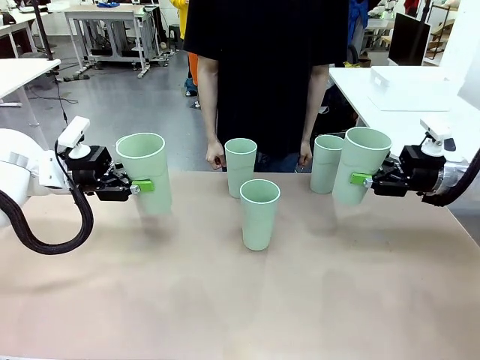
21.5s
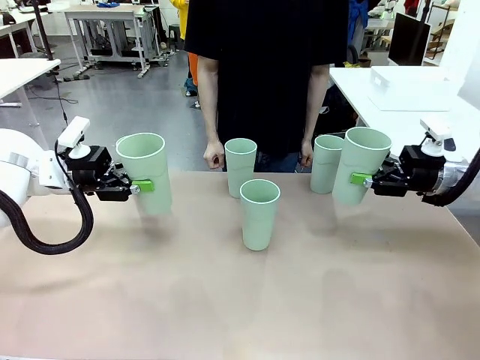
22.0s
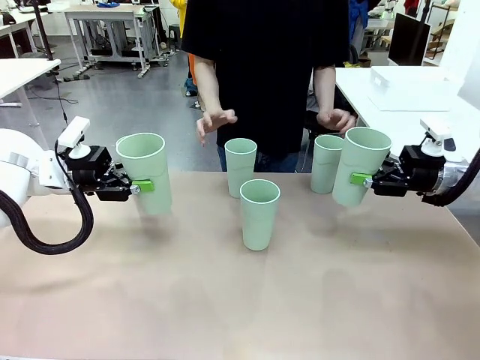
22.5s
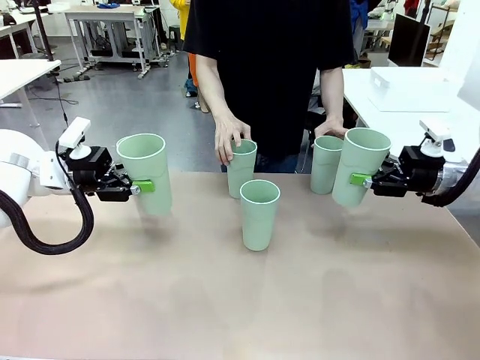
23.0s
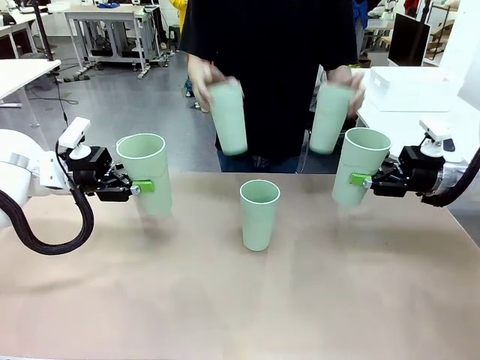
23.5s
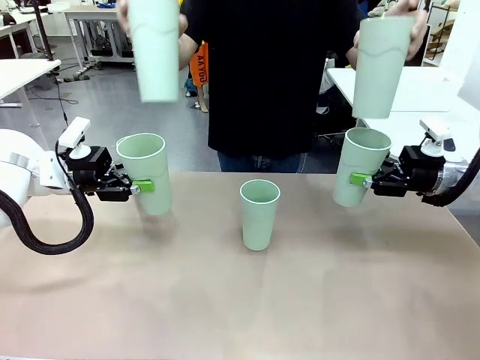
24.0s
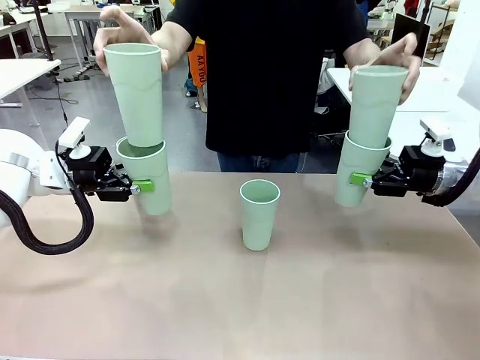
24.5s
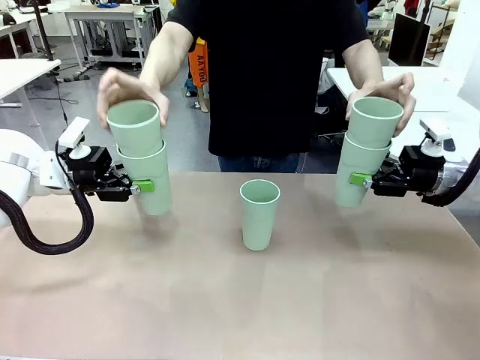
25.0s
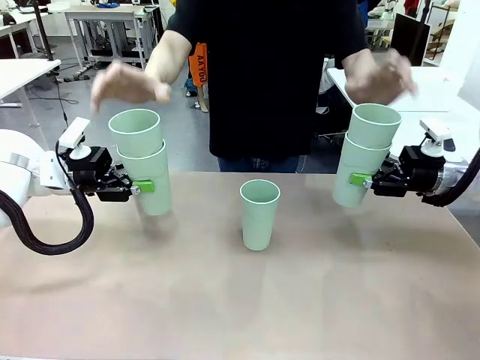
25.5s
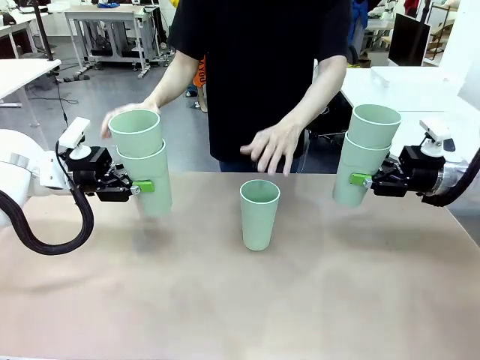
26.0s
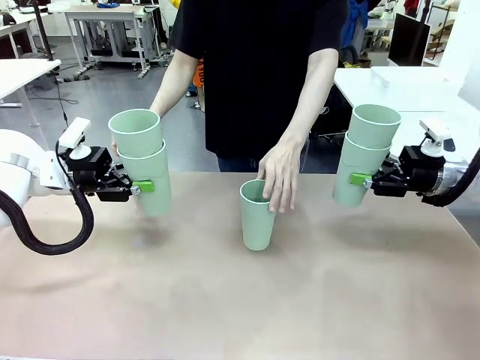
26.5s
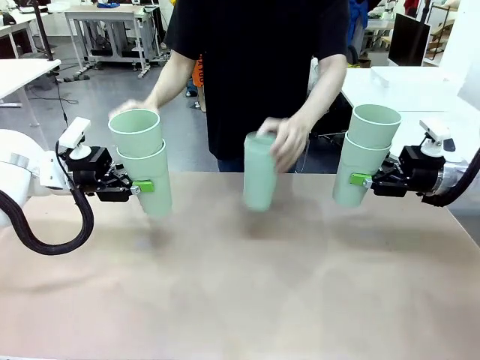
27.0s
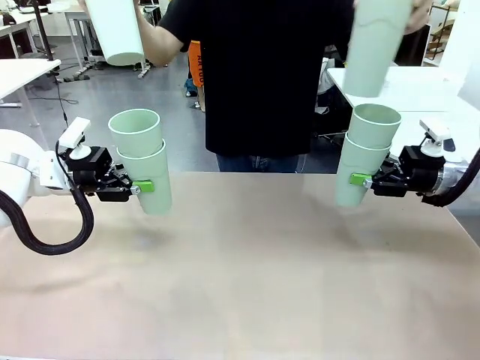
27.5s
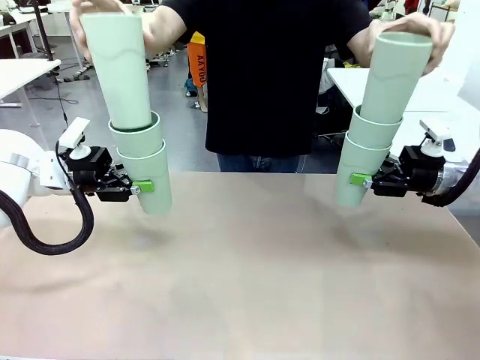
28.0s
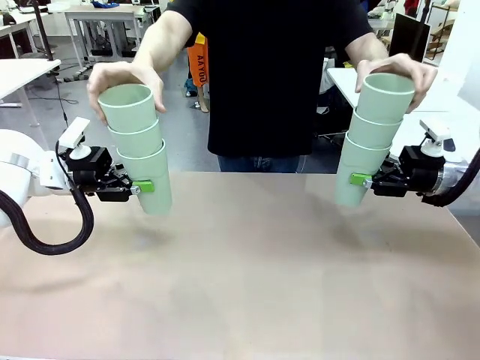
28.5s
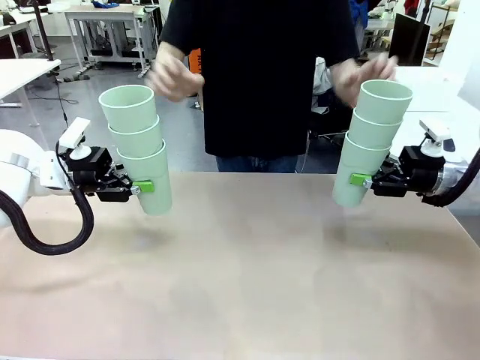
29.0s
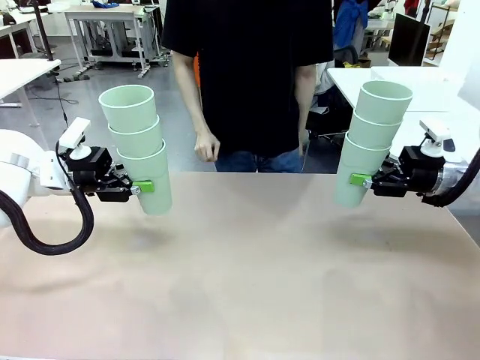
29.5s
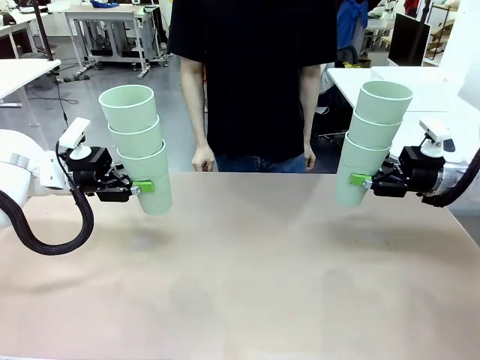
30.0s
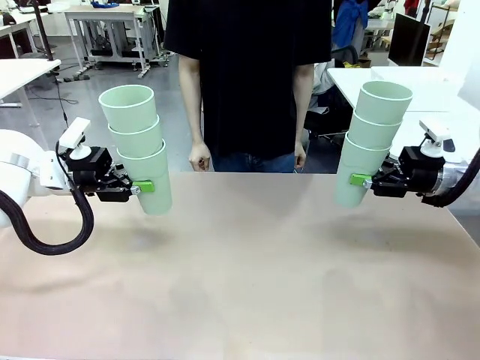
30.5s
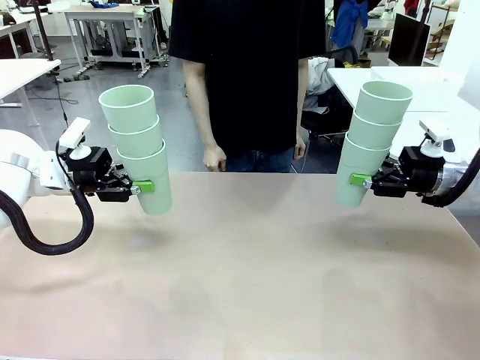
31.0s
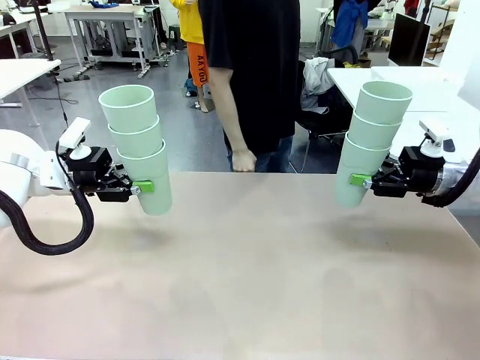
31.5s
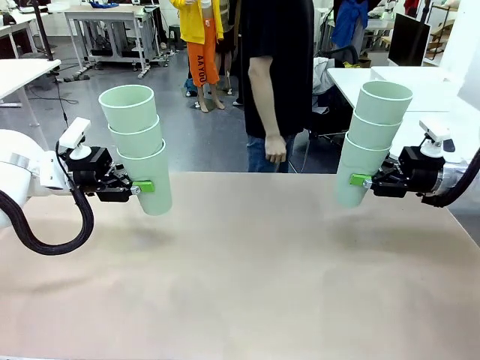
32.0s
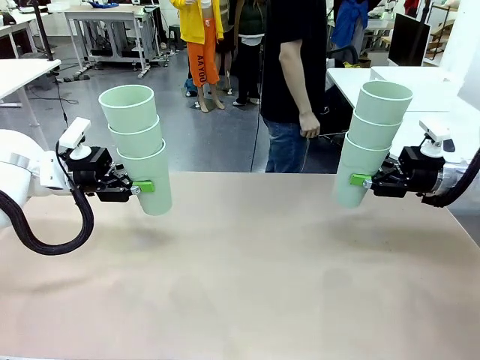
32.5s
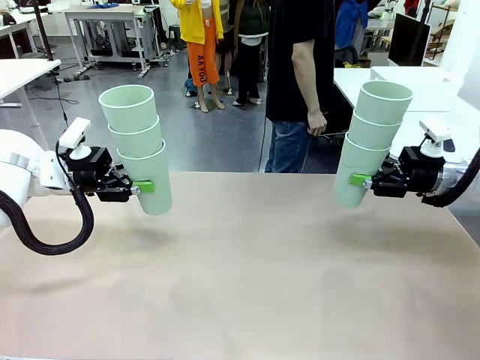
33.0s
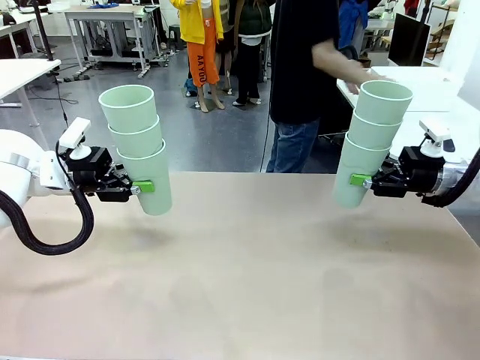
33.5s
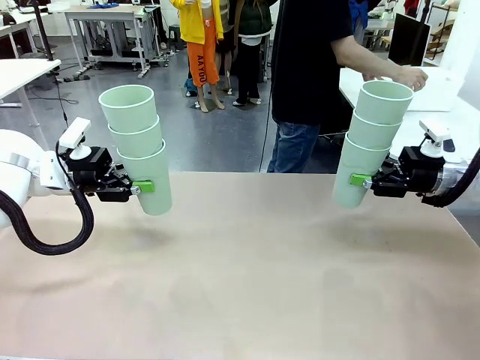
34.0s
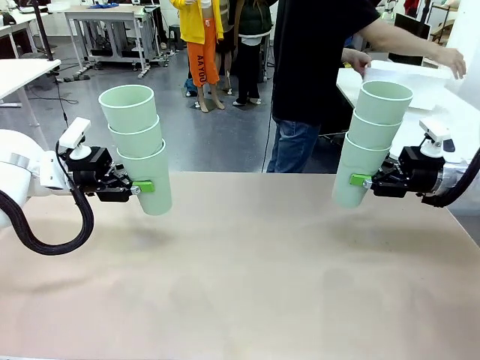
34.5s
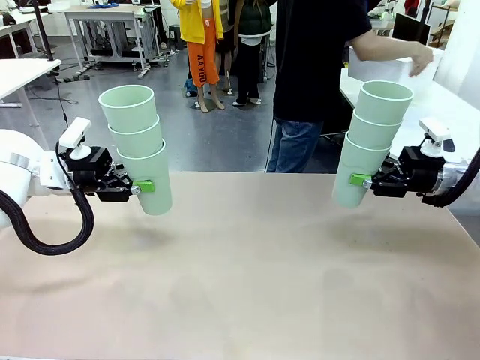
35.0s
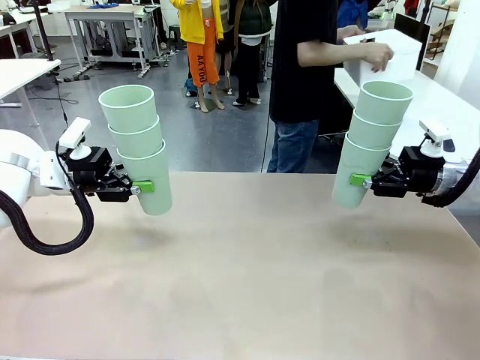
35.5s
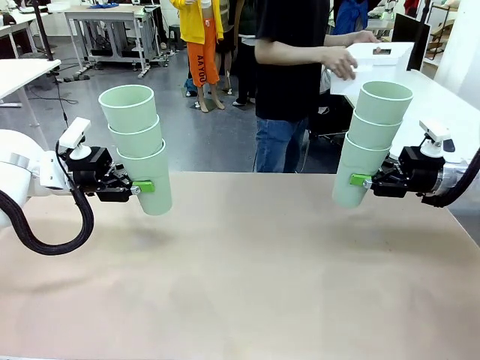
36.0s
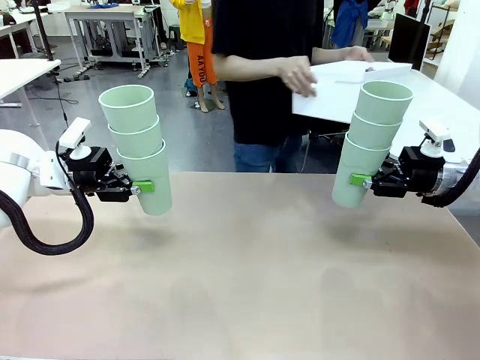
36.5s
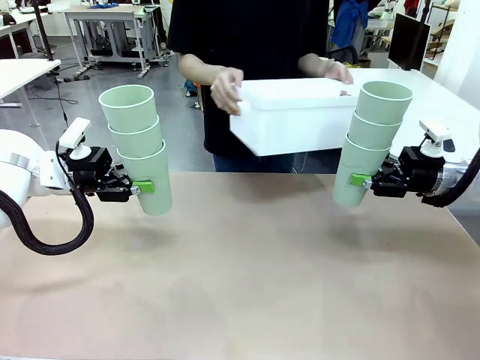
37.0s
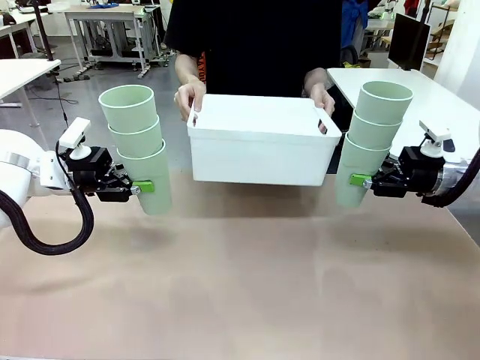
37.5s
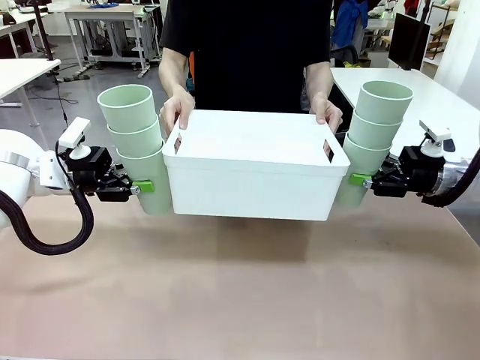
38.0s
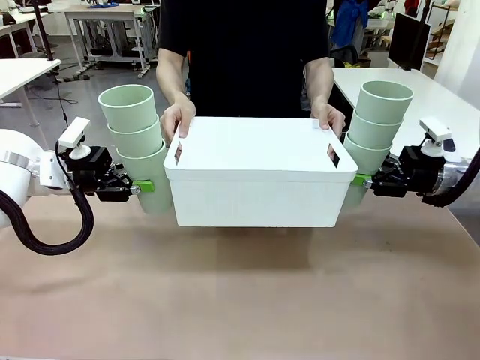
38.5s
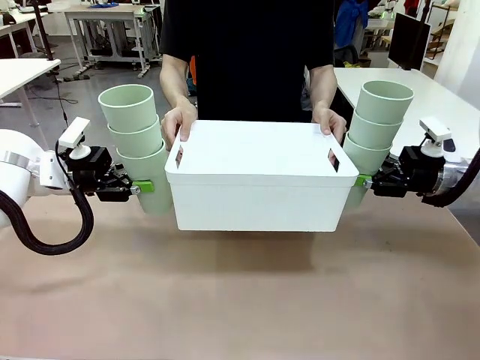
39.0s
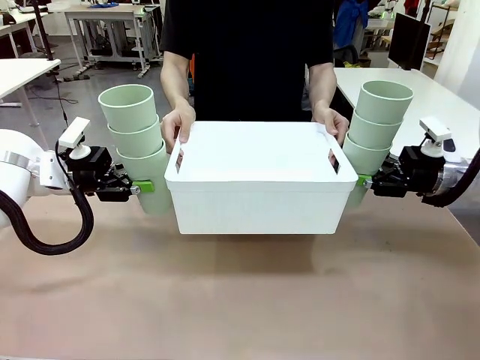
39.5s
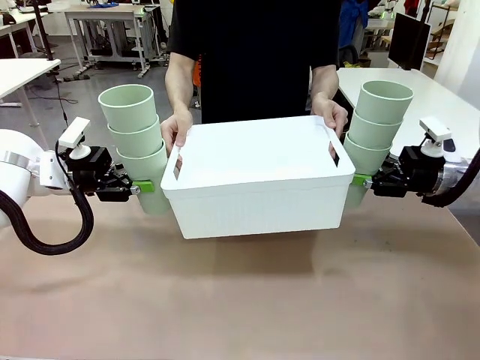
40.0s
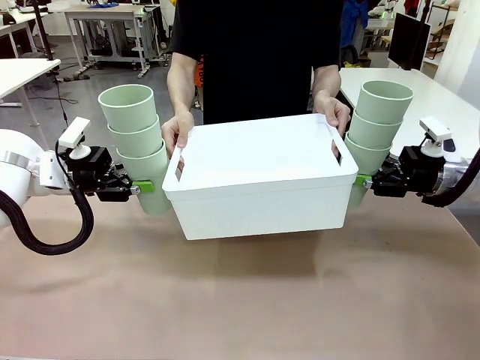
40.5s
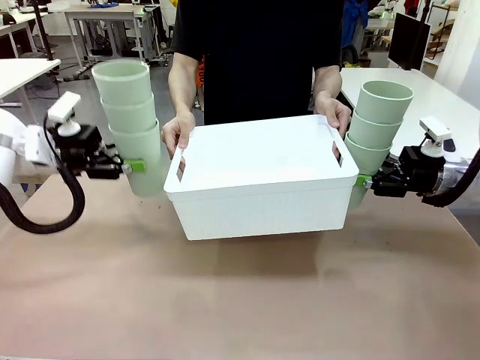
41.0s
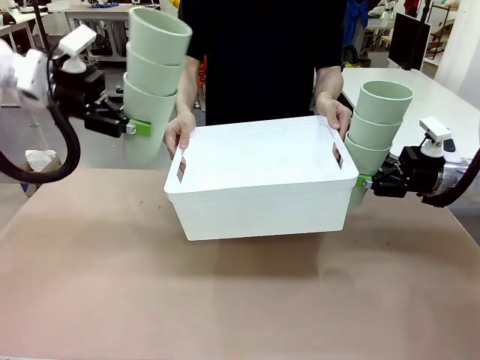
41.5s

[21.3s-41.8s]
Task: Stack the cups and store them in the basket.
Robot: Place the stack of Reusable plastic cups into the Pantry Basket.
Person: Pick up the basket from the Human Table, bring it to the front of the robot, and present it.

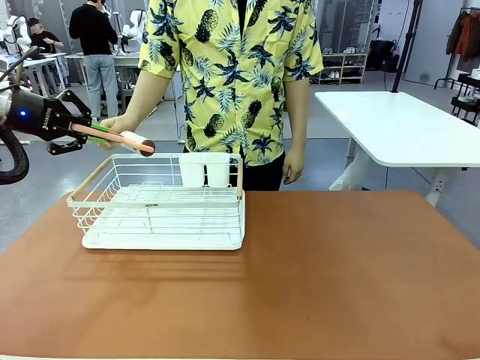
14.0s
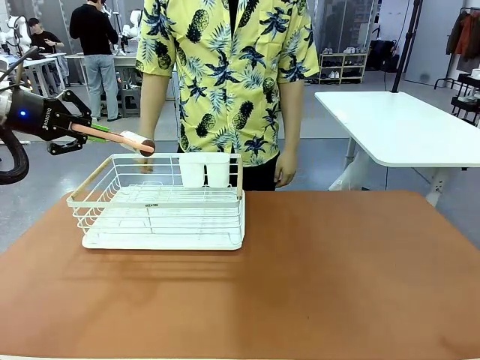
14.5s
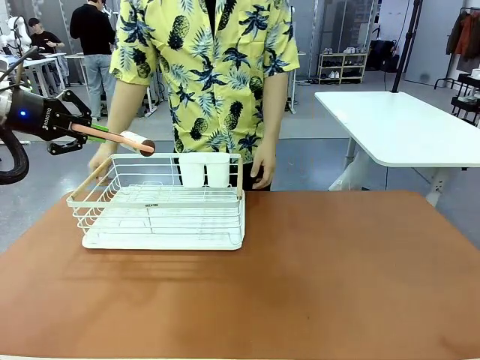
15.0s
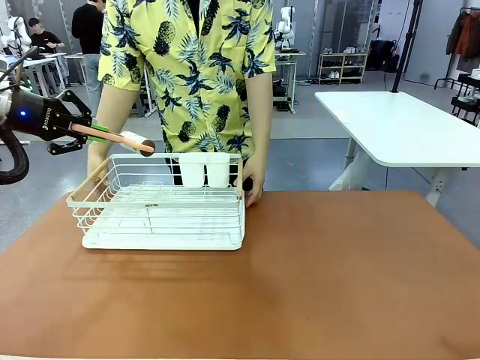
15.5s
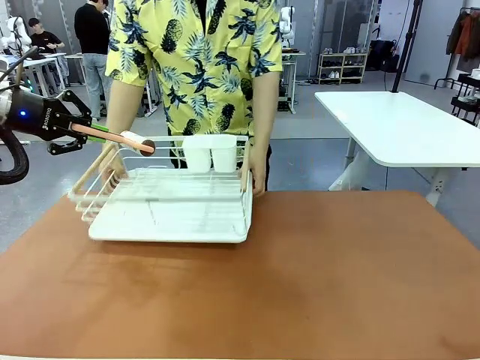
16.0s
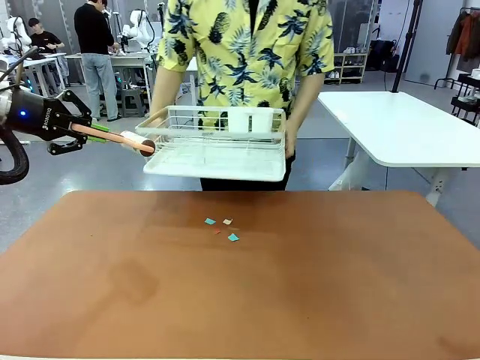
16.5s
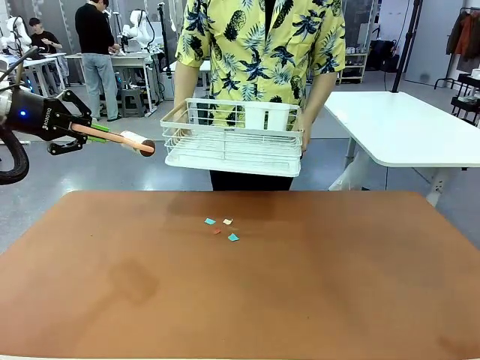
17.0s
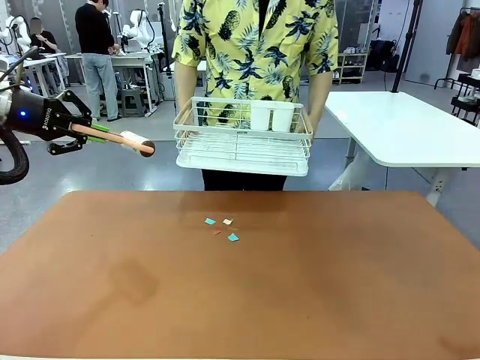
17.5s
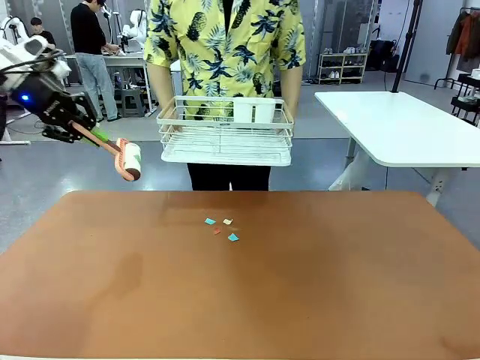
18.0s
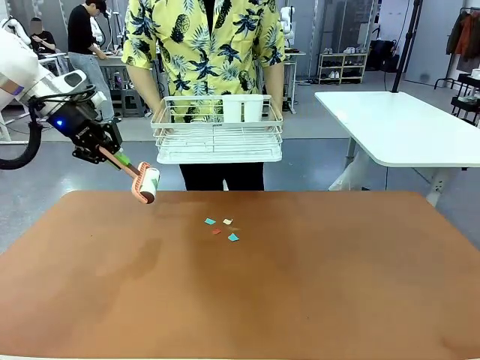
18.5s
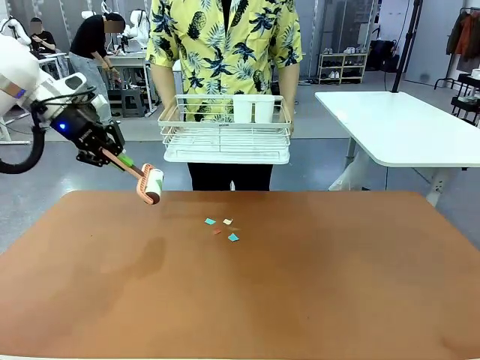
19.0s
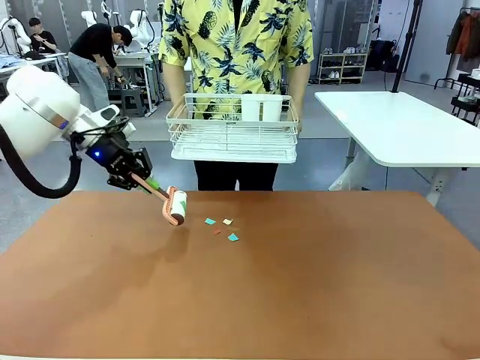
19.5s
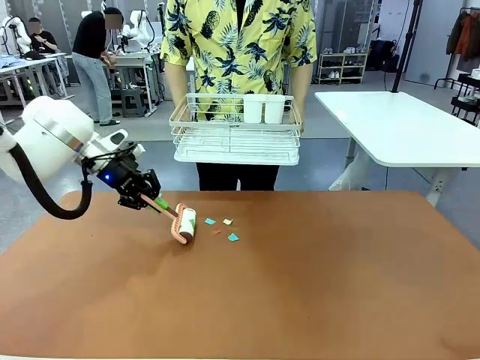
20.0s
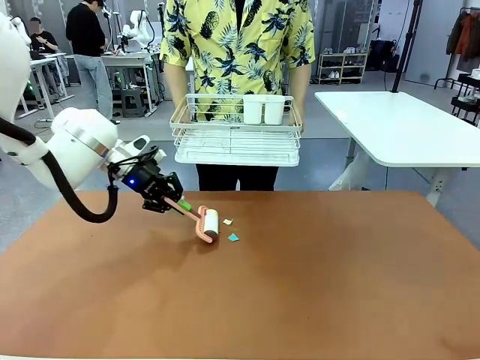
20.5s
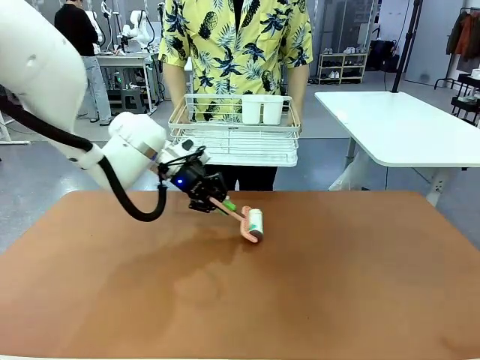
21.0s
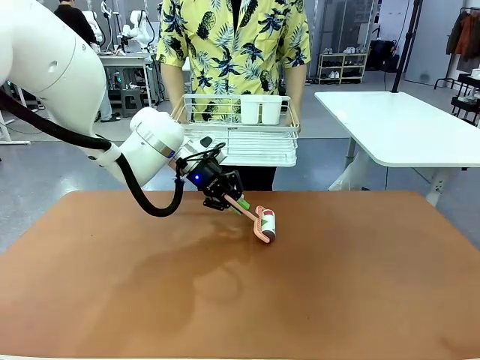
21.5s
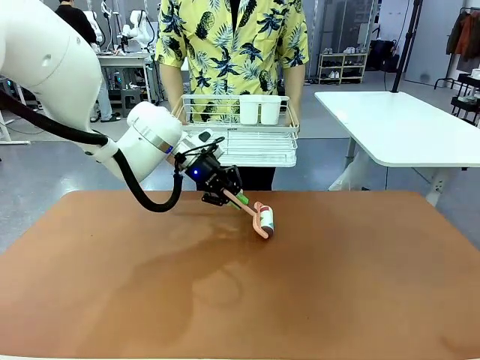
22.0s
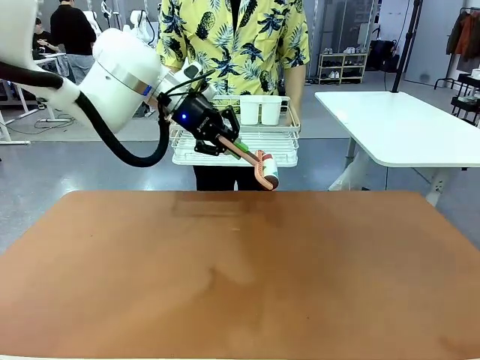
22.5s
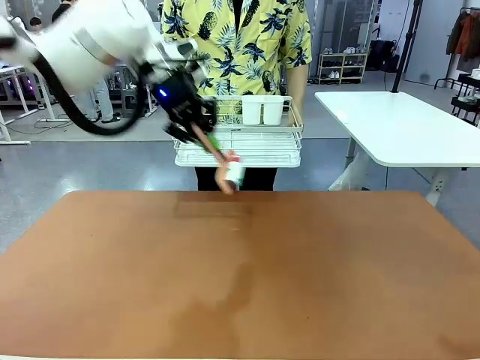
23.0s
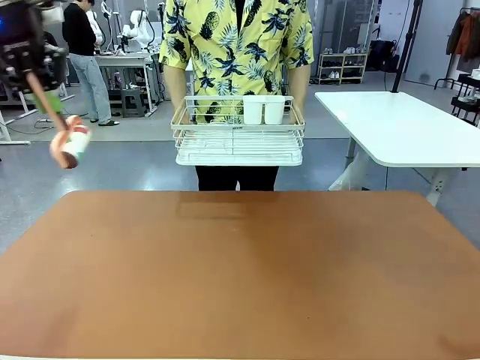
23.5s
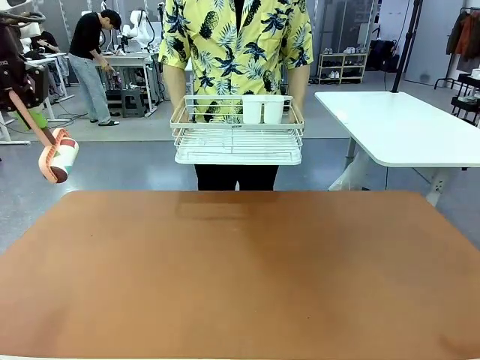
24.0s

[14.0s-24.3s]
Task: Clean the table.
Robot: Clean the table with the Lint Roller when the human lifts the Dish drying rack.
